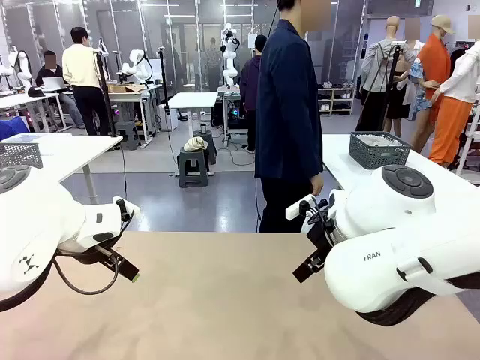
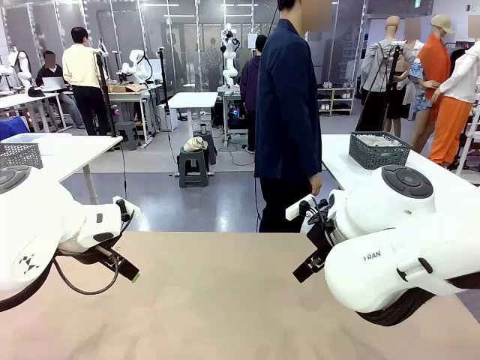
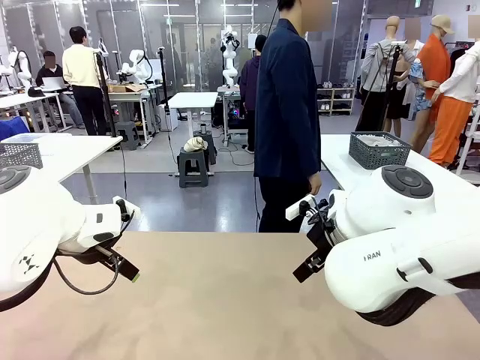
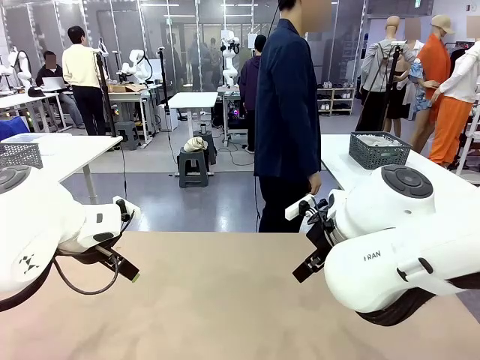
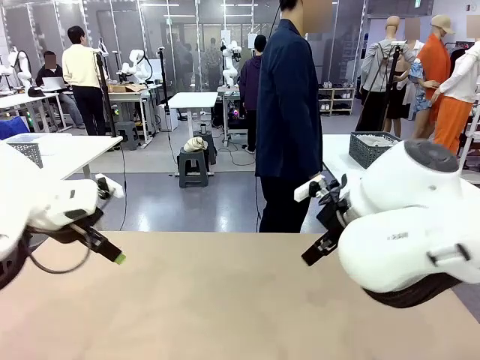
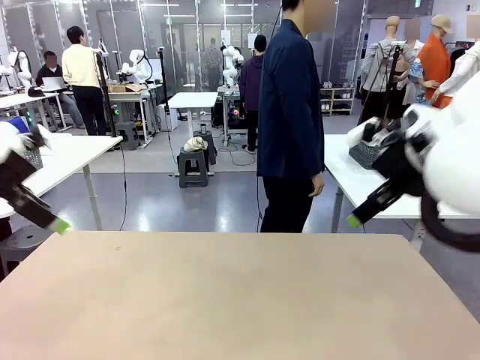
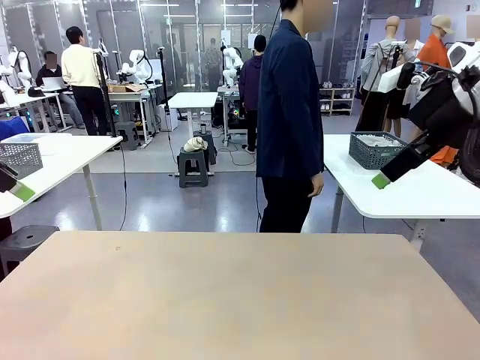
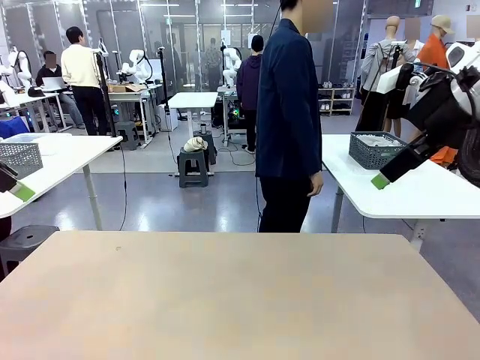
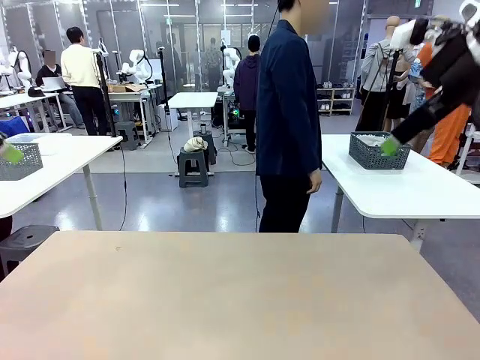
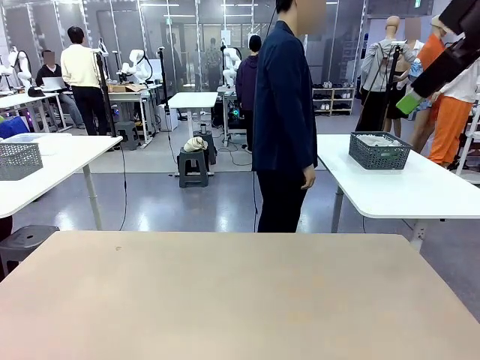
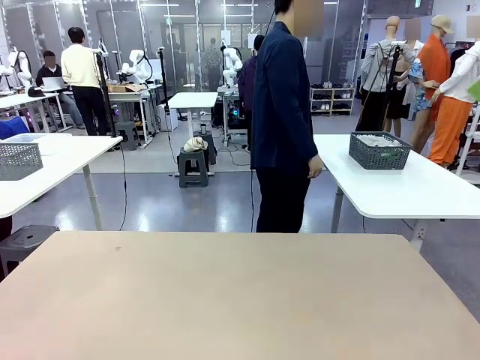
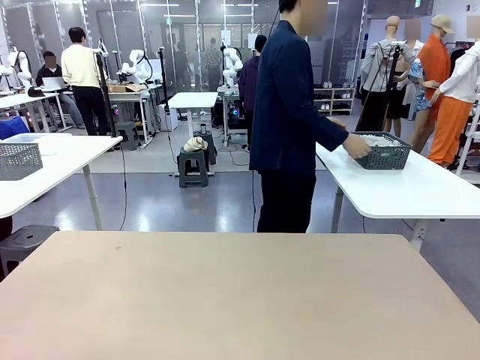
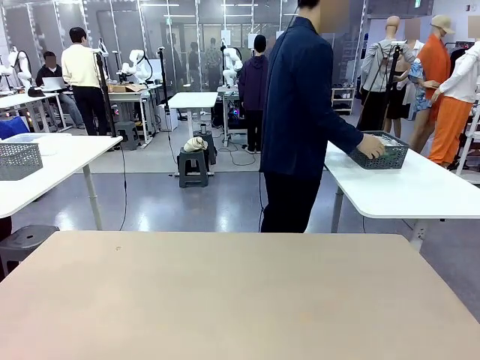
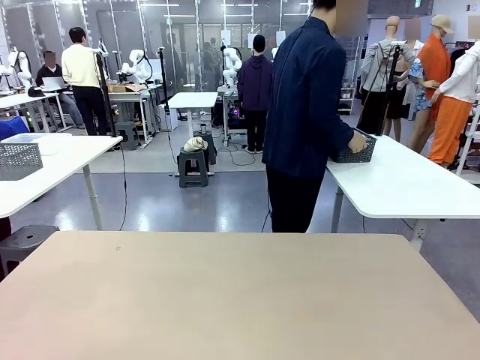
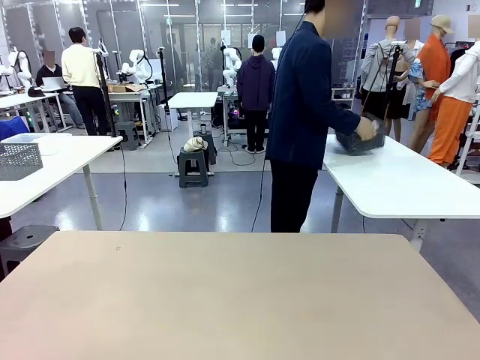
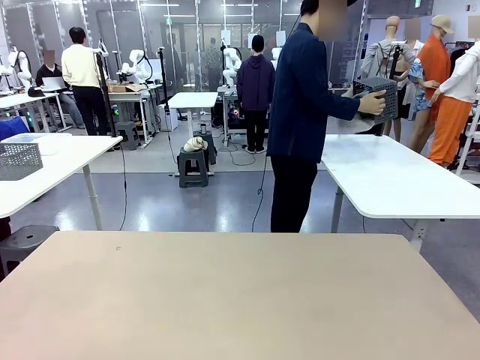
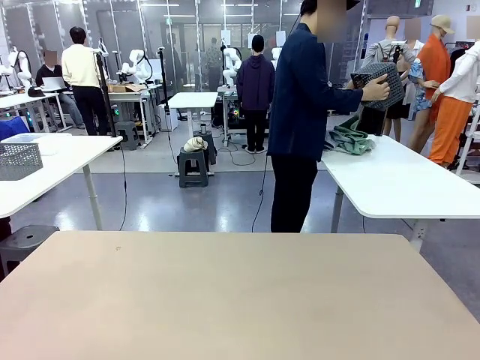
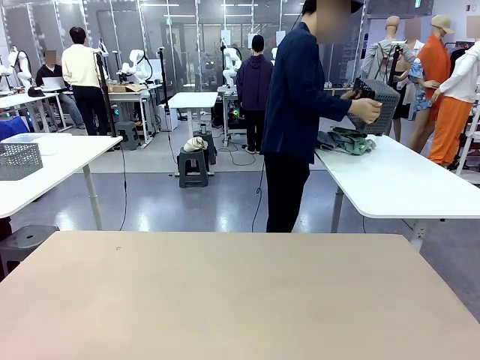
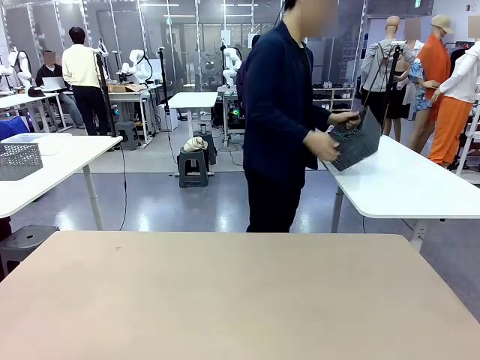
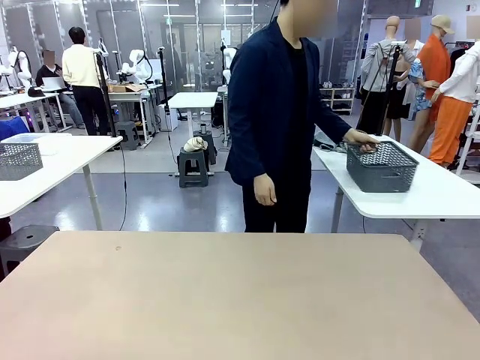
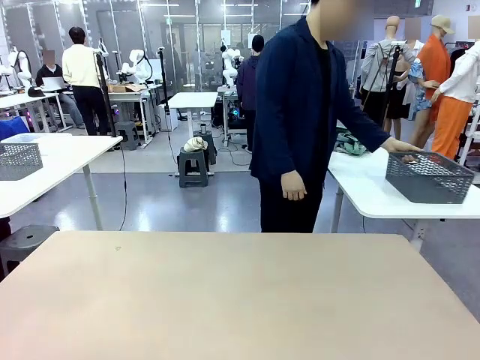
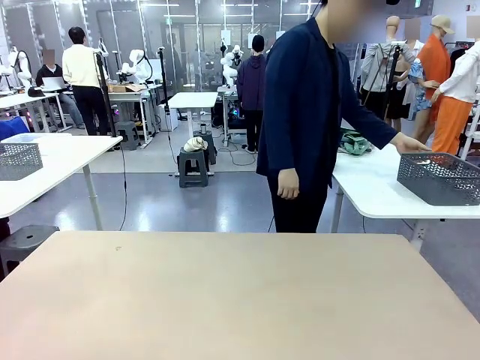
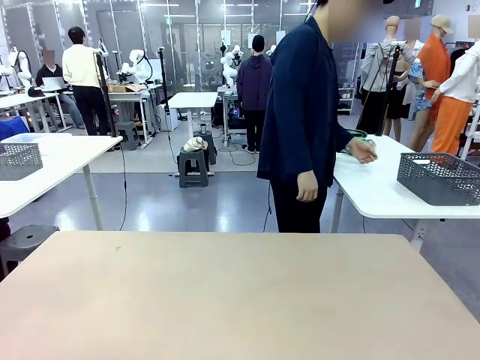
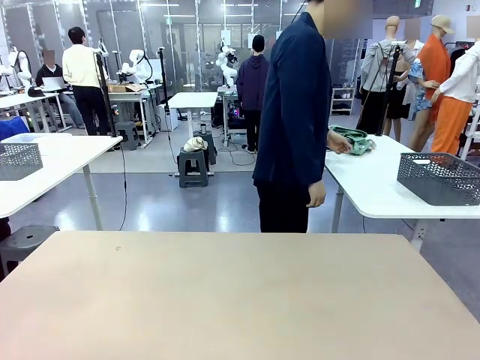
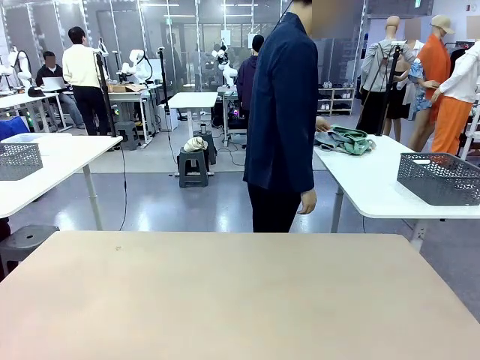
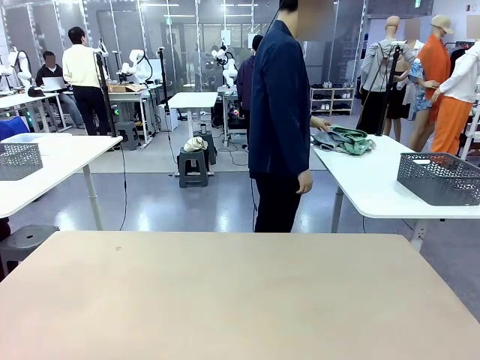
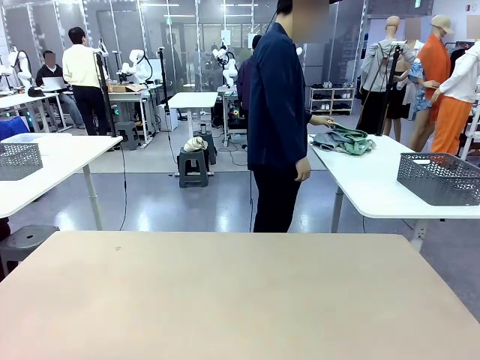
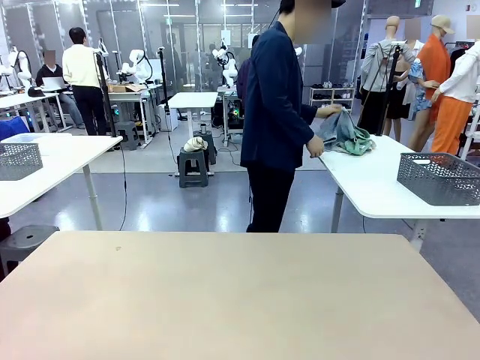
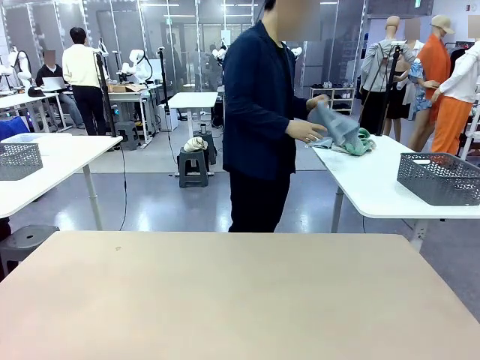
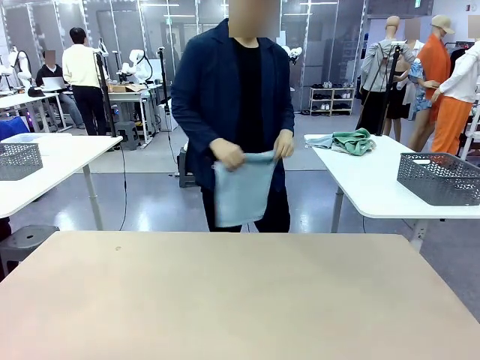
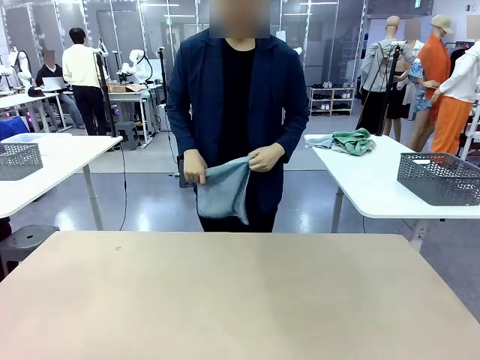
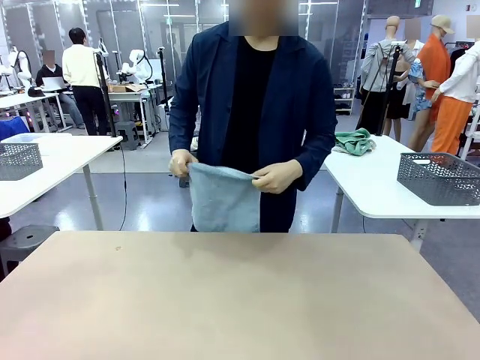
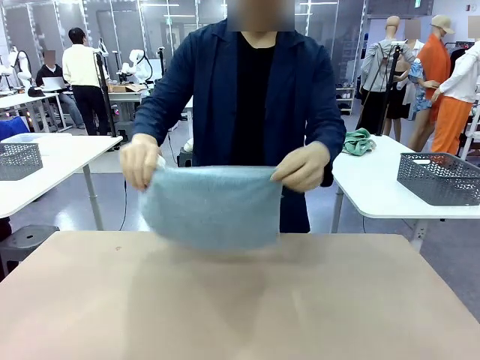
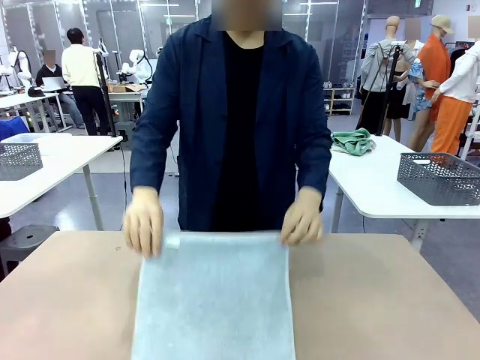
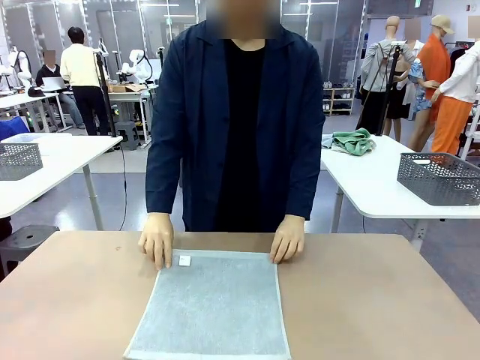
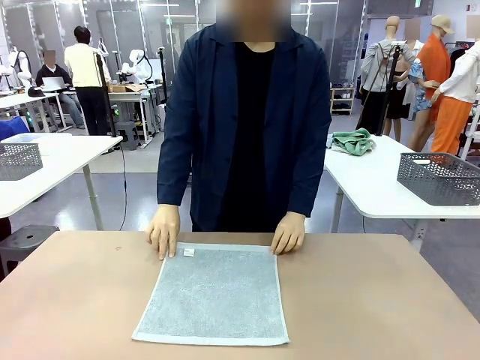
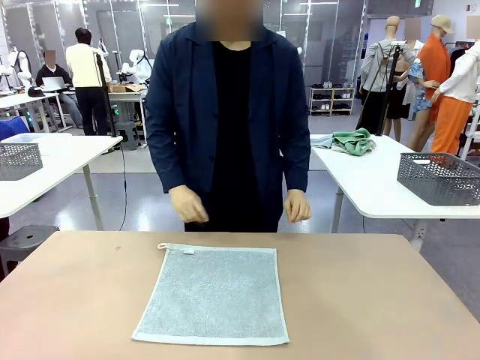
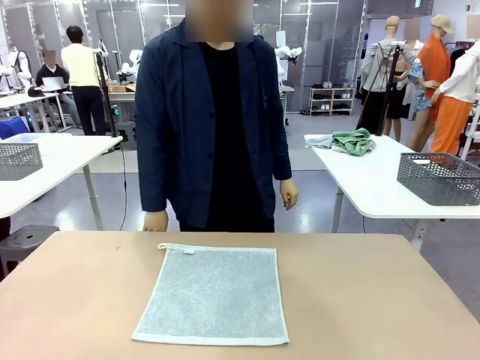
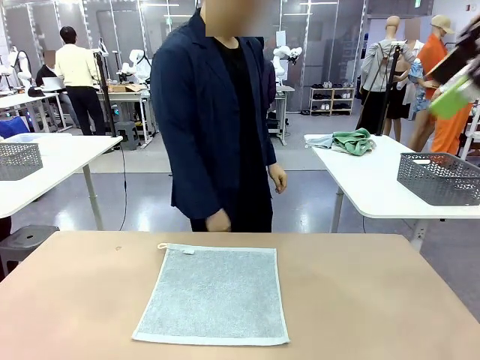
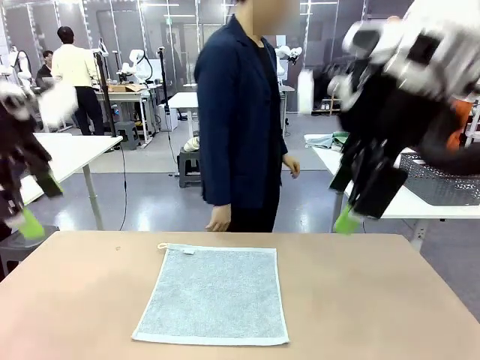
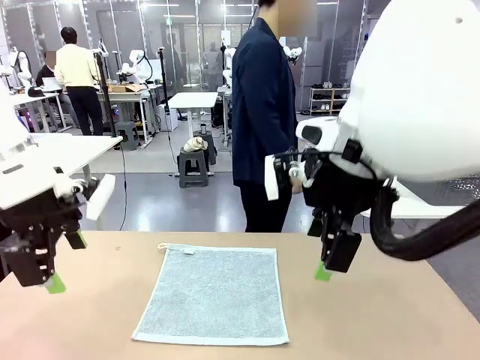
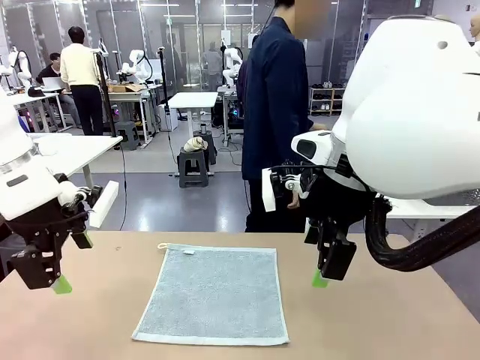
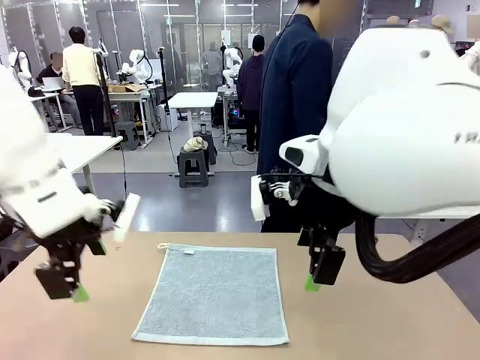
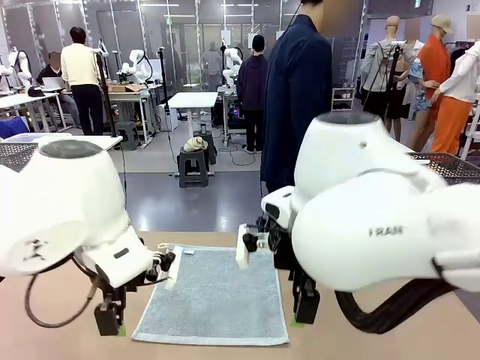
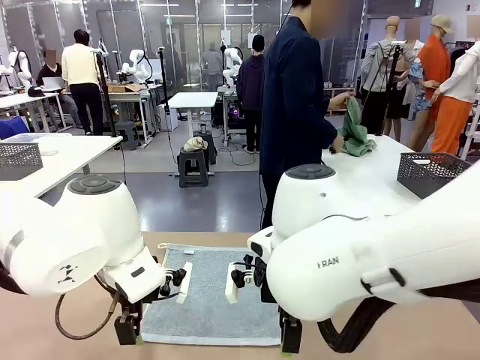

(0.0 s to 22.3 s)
Task: Fold the towels and place them in the basket.
Robot: When a person lays out a Towel with hook on the table, fold it in half twice.
Person: Pick up the basket, pour the towels onto the left side of the human table, and place the basket on the right side. Pick up one towel and spread it out at the center of the robot table.
